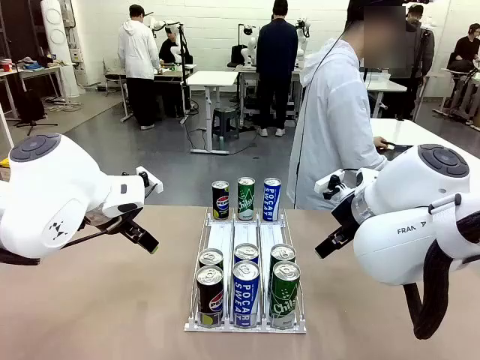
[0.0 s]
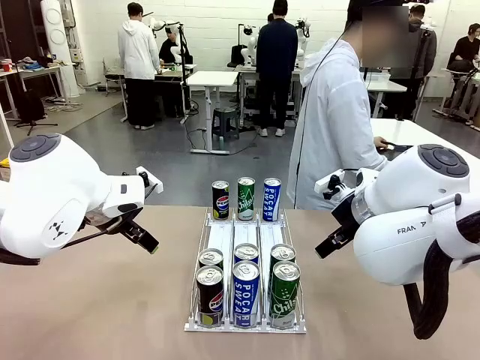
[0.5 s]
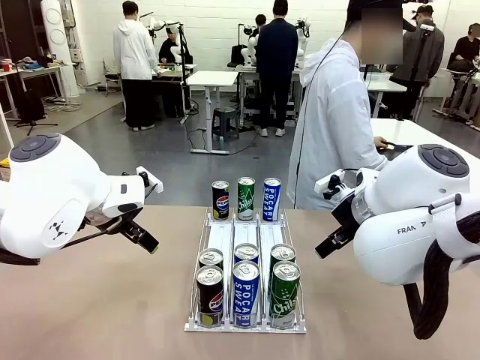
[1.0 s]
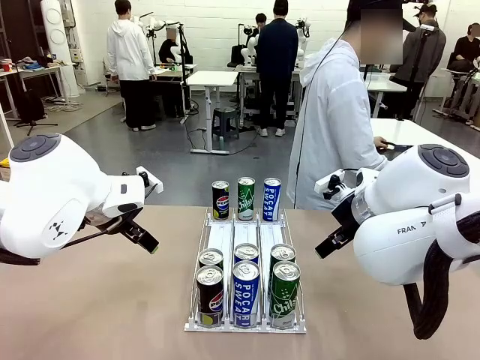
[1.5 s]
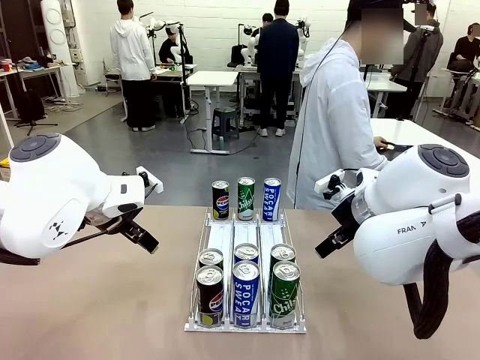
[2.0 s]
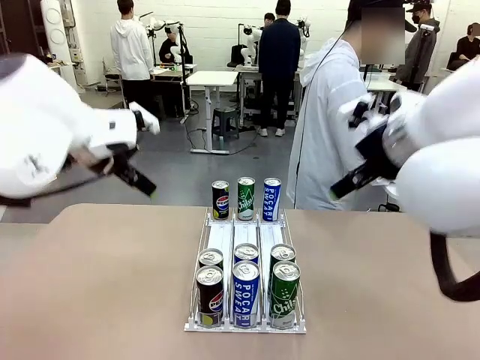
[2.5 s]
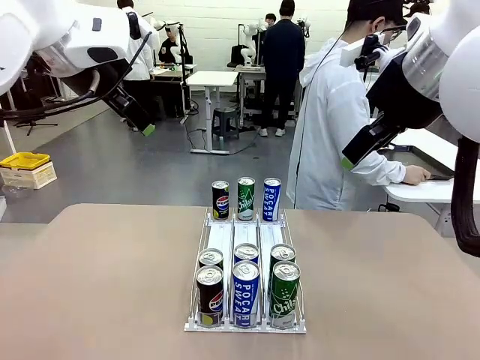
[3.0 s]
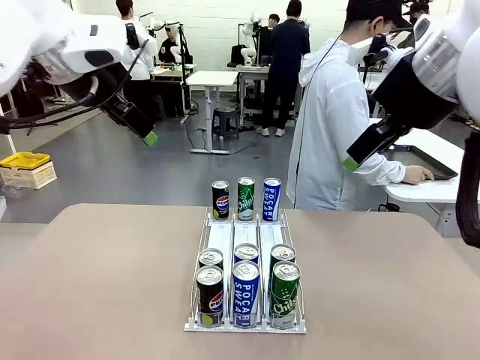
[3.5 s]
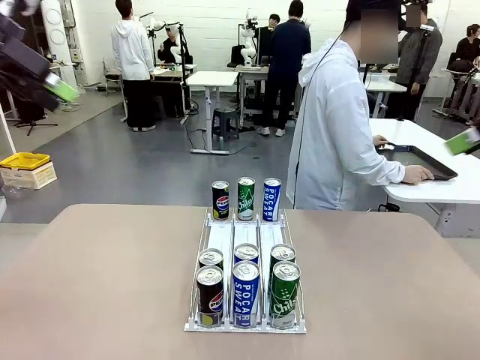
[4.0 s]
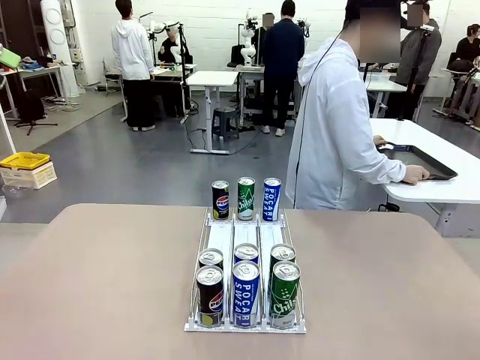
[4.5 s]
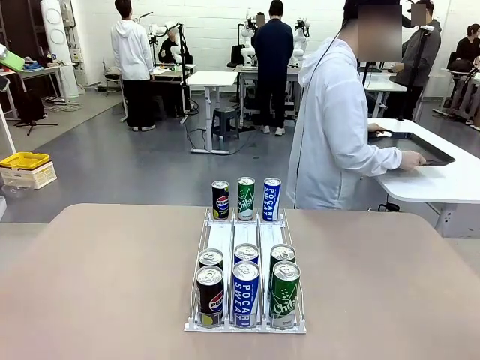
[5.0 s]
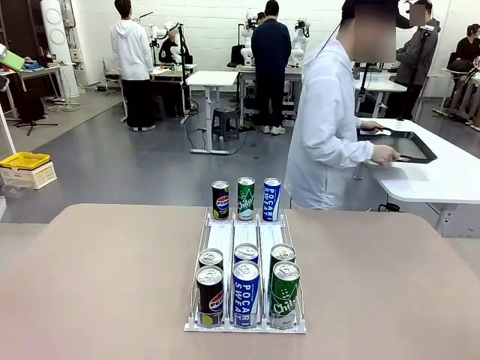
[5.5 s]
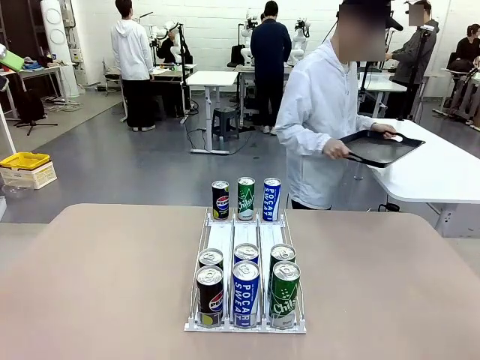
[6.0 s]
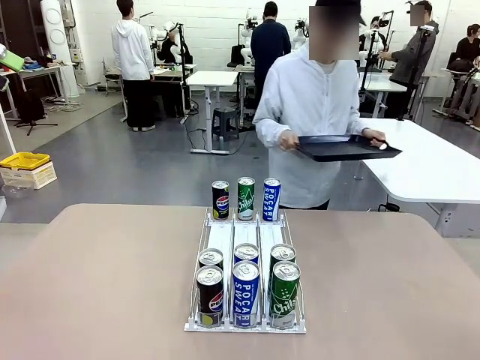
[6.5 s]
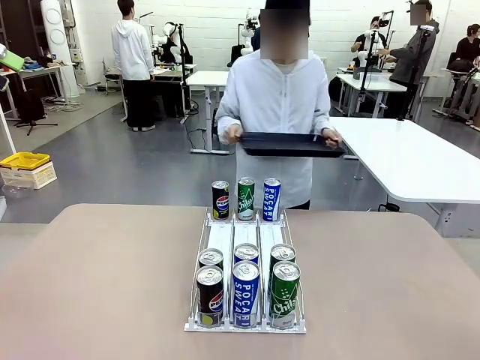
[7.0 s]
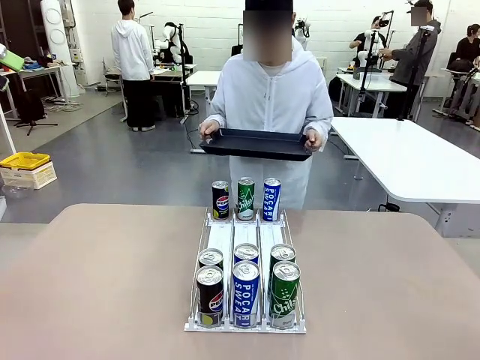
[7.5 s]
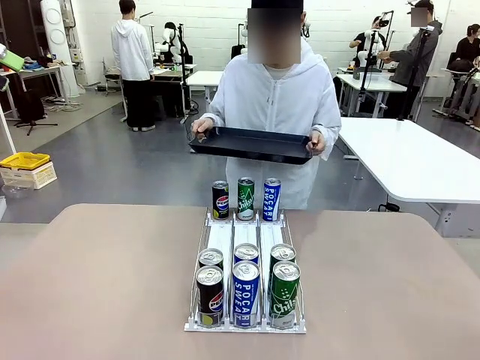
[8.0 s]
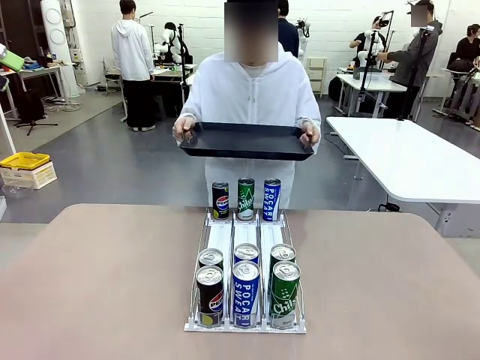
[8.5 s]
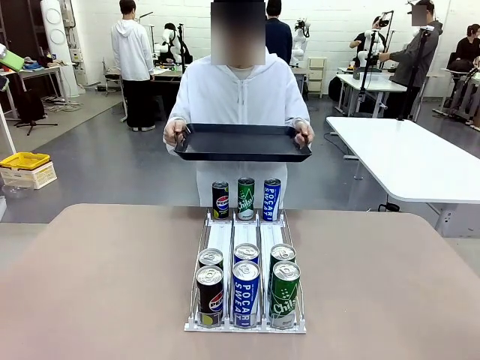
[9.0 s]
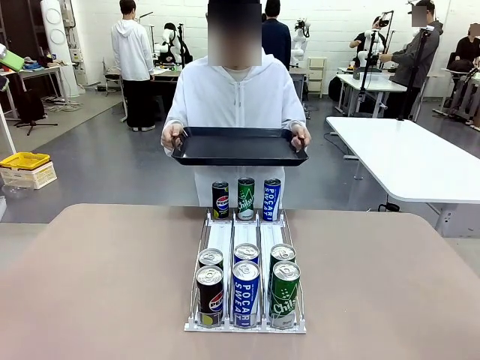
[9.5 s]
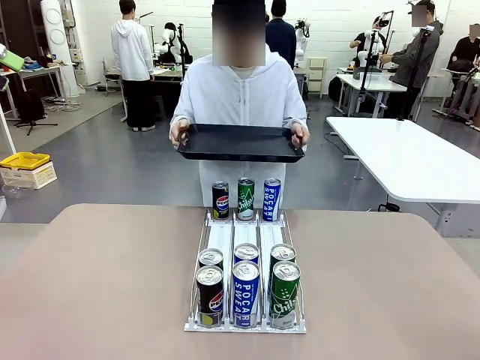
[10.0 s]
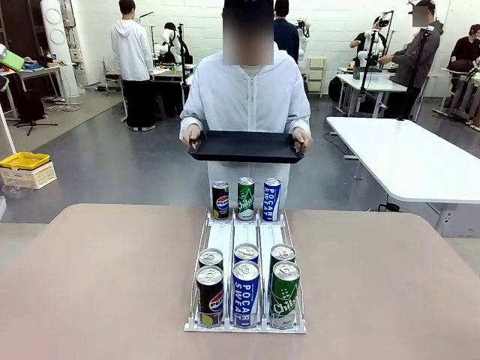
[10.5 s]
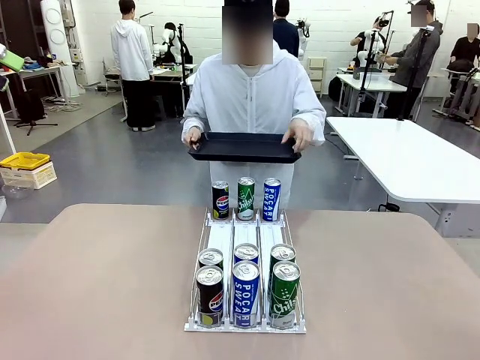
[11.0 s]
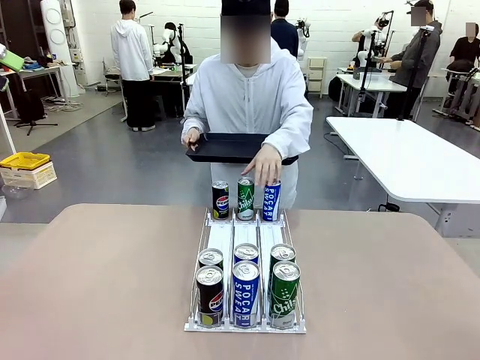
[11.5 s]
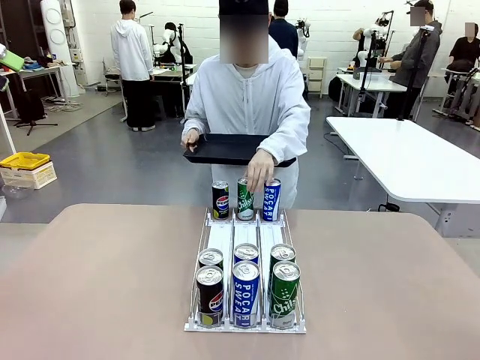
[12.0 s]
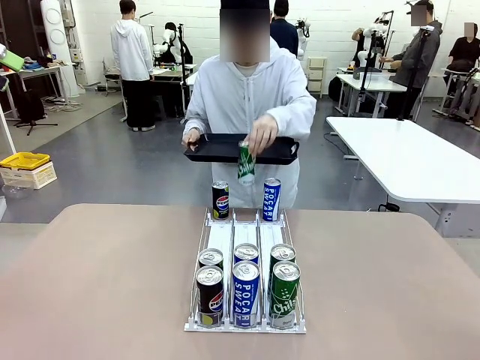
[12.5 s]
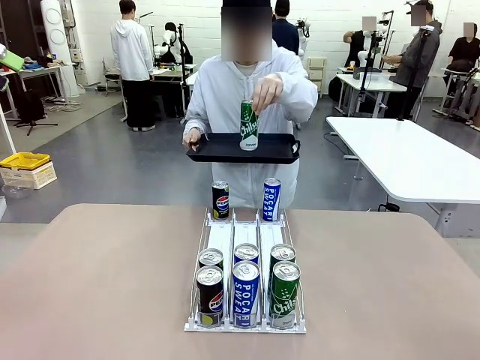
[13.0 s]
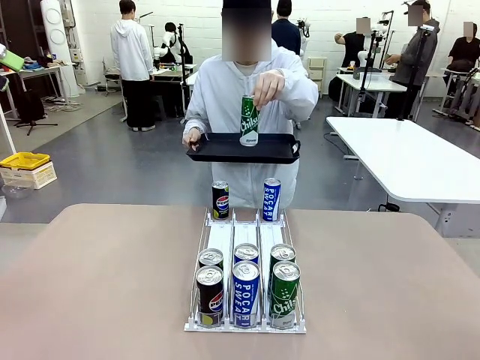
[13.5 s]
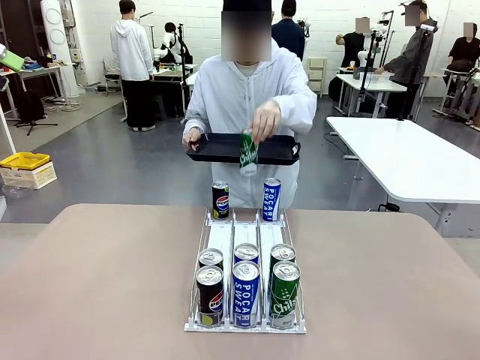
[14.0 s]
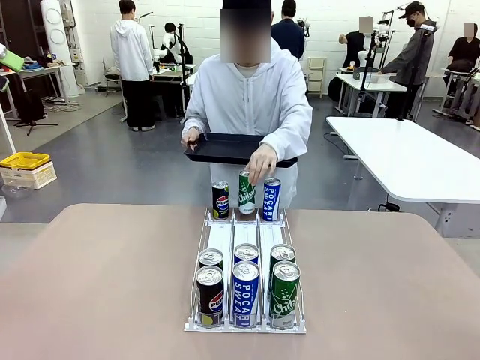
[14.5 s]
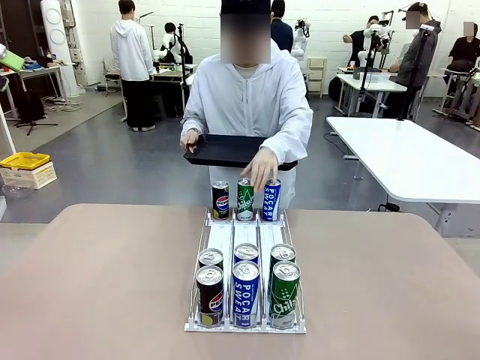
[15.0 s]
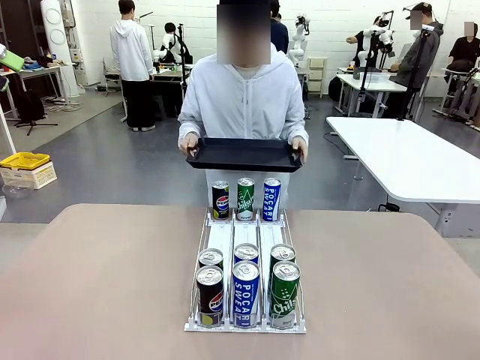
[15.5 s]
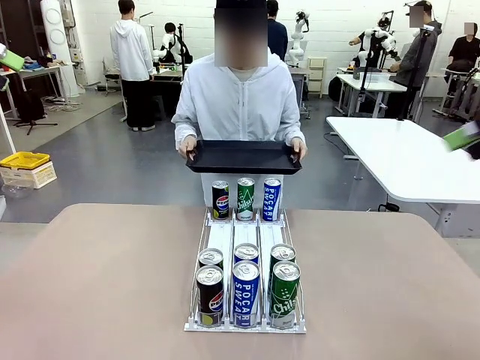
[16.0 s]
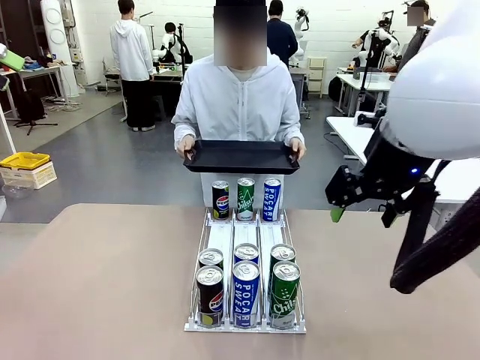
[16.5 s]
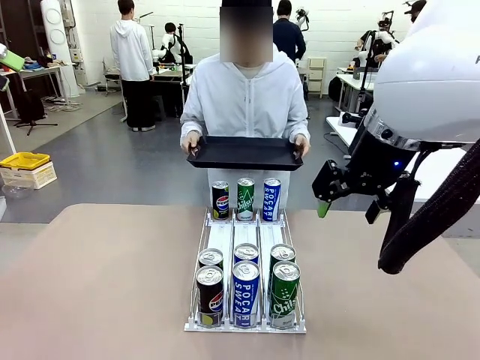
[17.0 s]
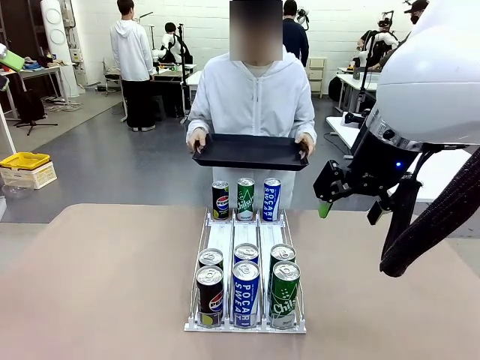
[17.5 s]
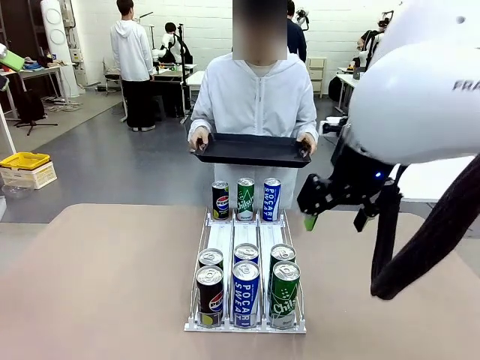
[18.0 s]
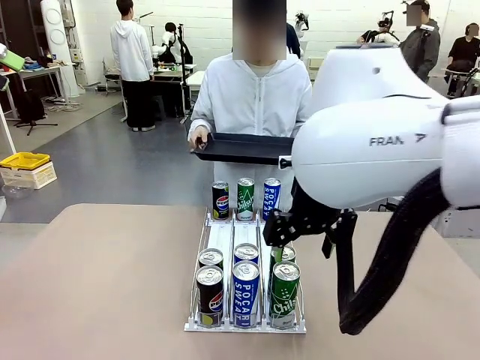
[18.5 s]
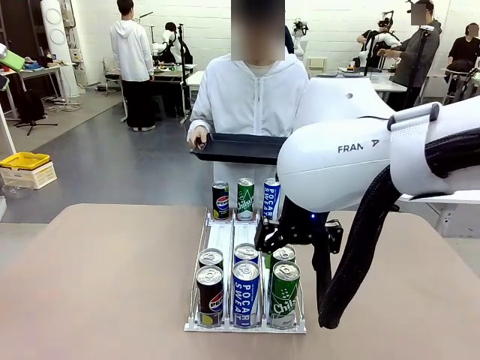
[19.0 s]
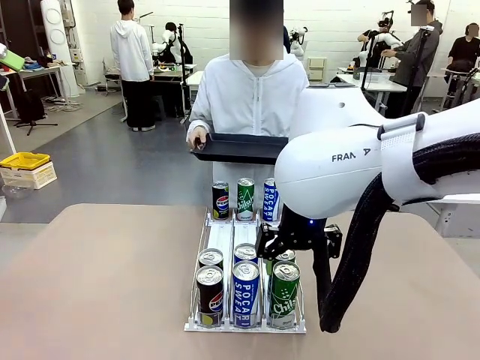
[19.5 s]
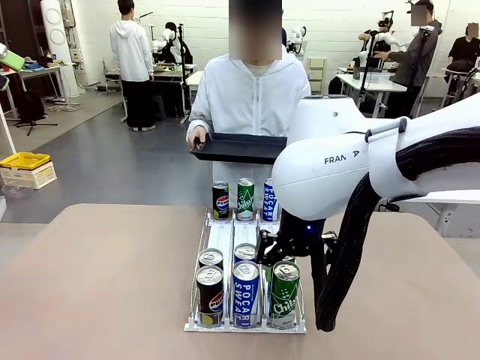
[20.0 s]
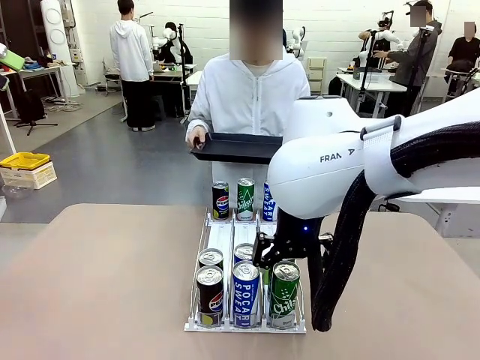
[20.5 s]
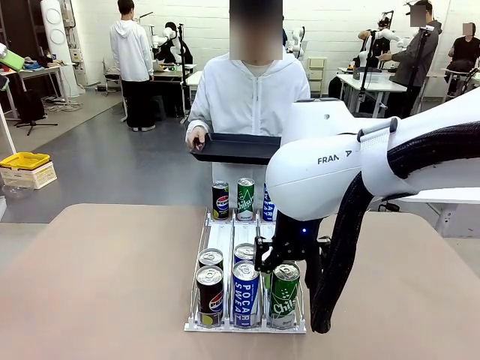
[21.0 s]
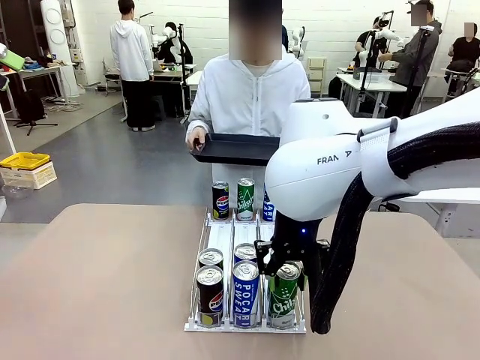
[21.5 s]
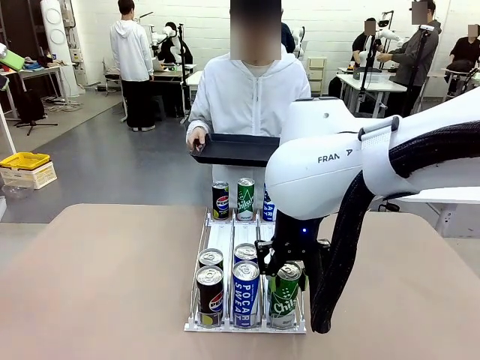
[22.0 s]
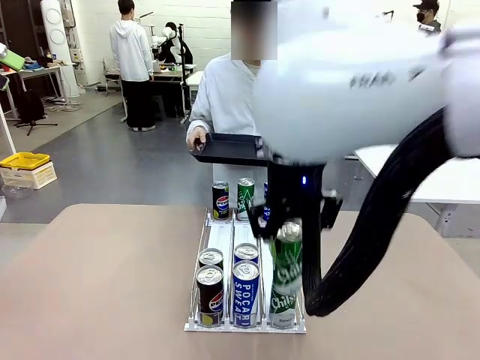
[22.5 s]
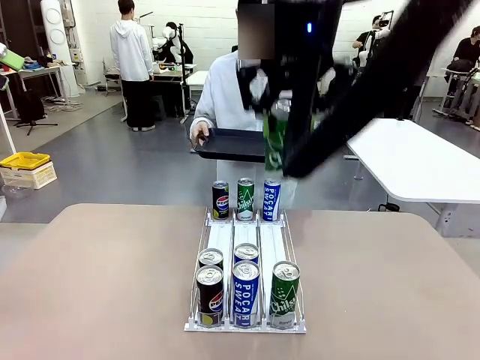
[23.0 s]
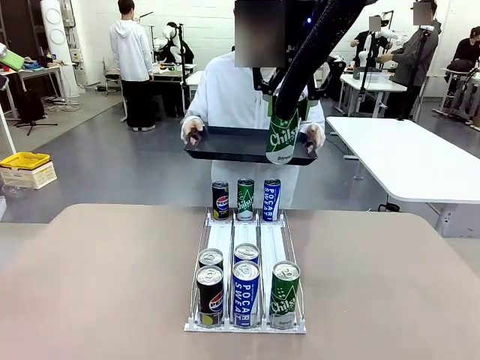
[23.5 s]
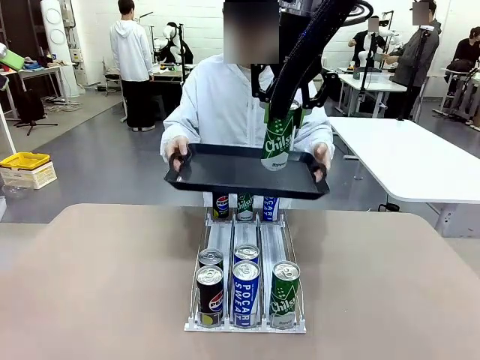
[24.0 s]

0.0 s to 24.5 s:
Task: Retrieve and hand over the desired beverage to the person.
Robot: Pick up a can of the same type that the person held from the Automatic Can Dispenser.
Person: Hold the tray and position yourself in front of the robot table. Pick up one can from the bottom area of the table and puts it back in its original place. Push the tray toward the robot.
